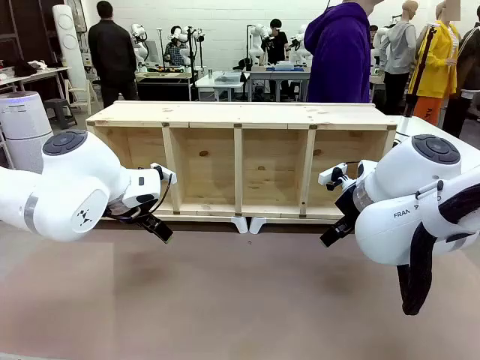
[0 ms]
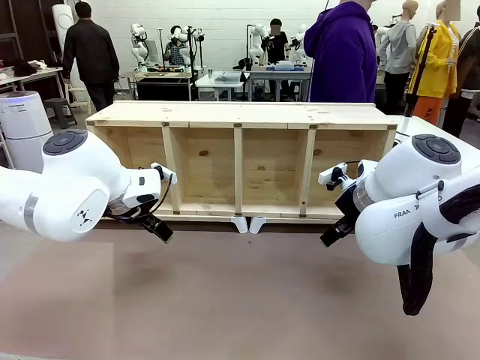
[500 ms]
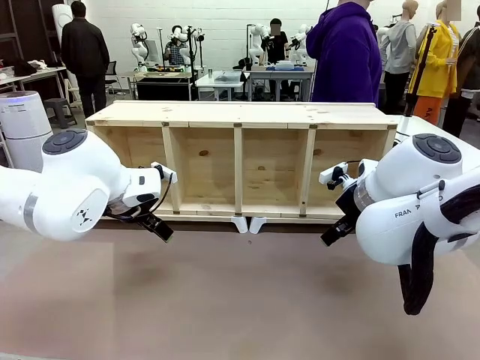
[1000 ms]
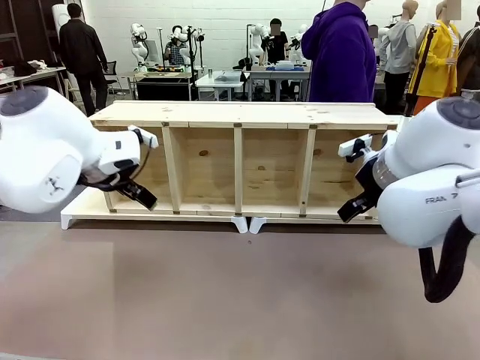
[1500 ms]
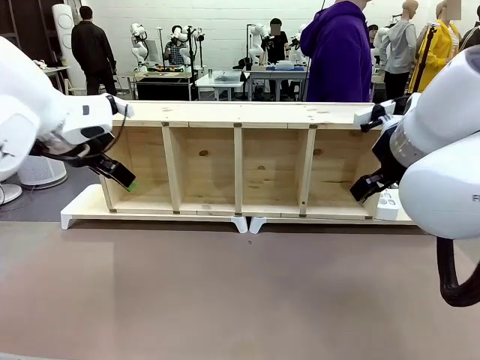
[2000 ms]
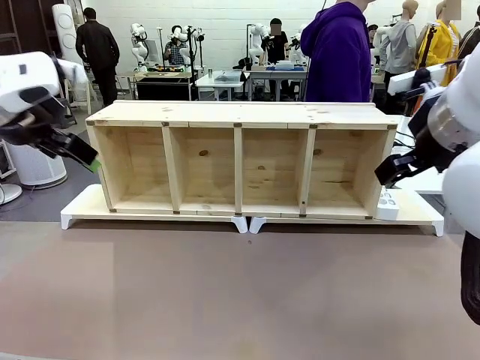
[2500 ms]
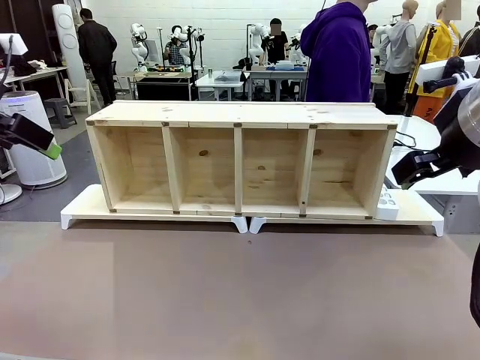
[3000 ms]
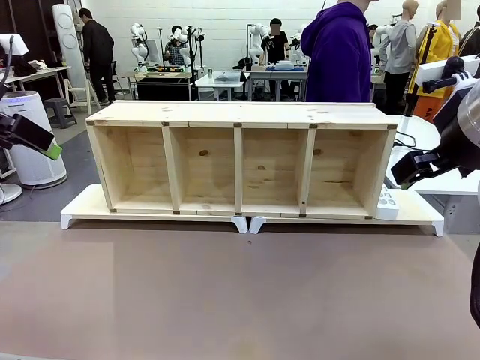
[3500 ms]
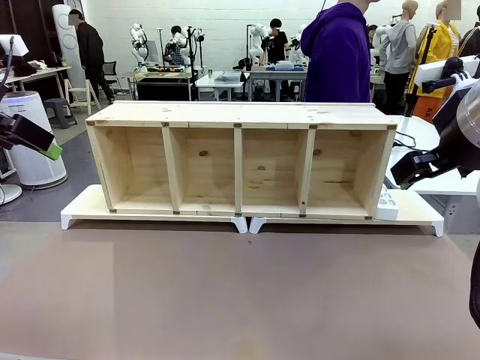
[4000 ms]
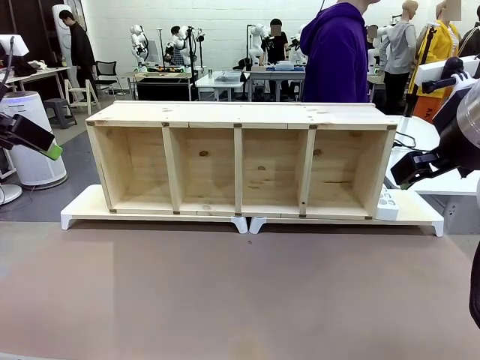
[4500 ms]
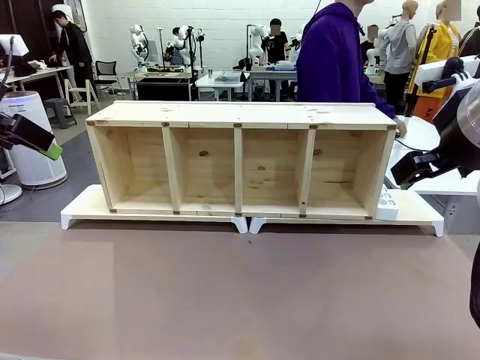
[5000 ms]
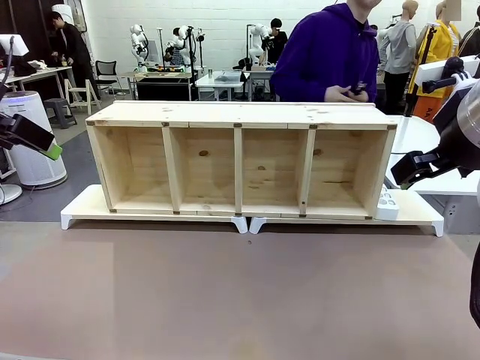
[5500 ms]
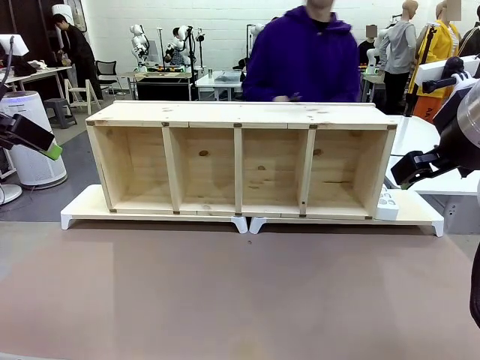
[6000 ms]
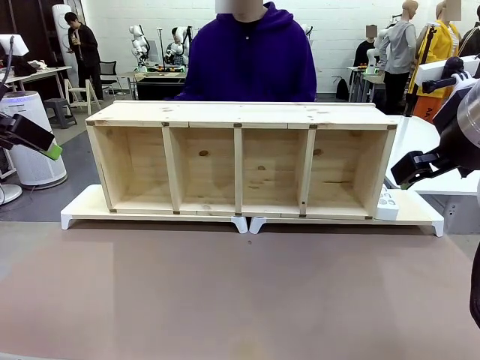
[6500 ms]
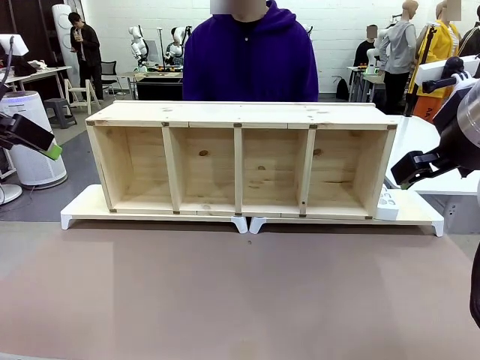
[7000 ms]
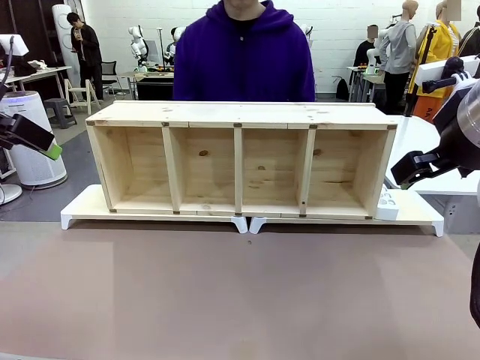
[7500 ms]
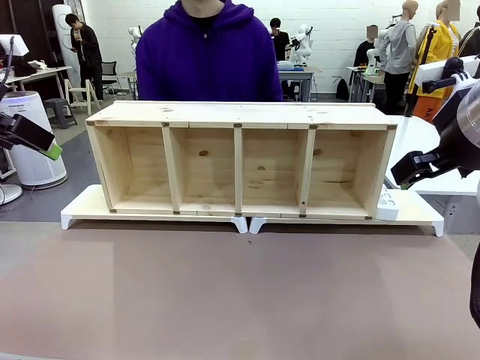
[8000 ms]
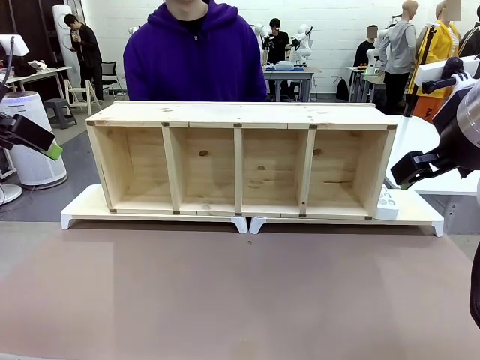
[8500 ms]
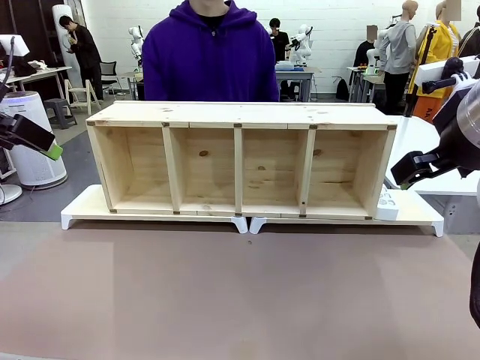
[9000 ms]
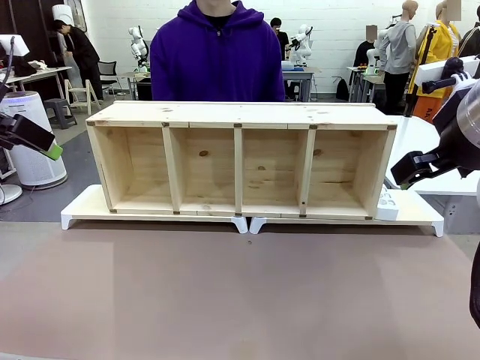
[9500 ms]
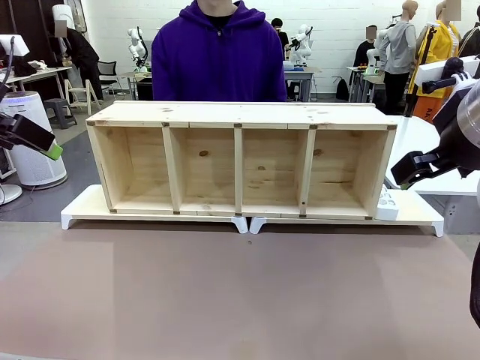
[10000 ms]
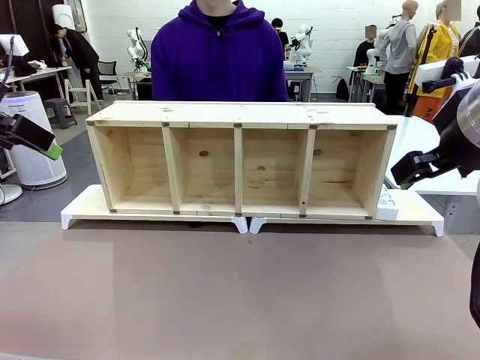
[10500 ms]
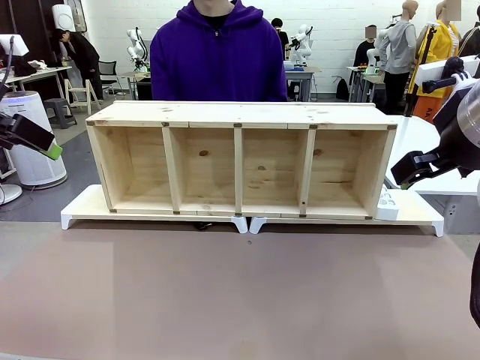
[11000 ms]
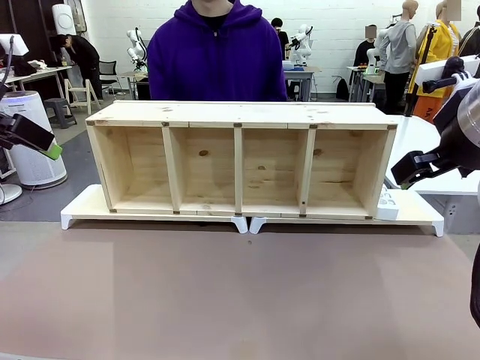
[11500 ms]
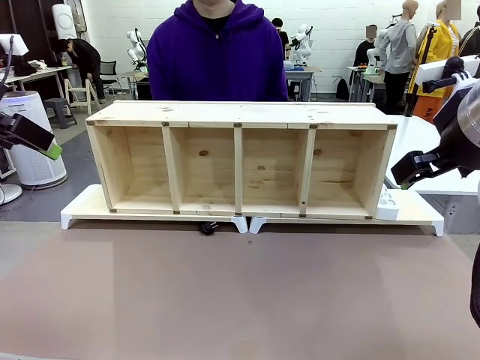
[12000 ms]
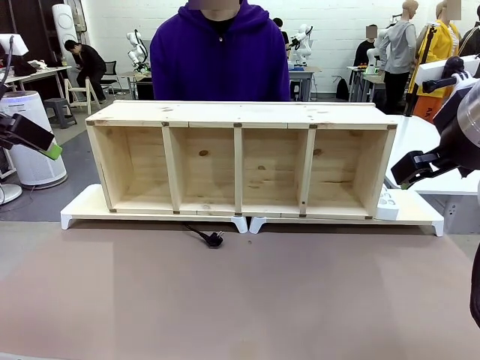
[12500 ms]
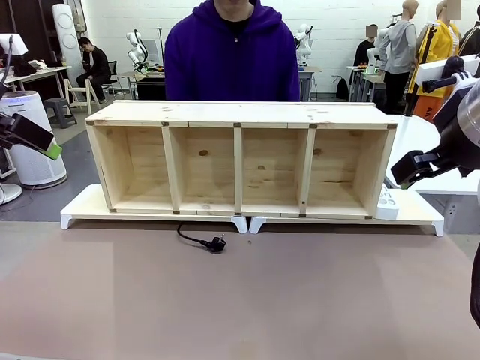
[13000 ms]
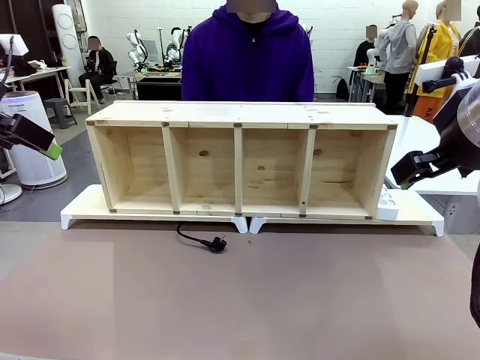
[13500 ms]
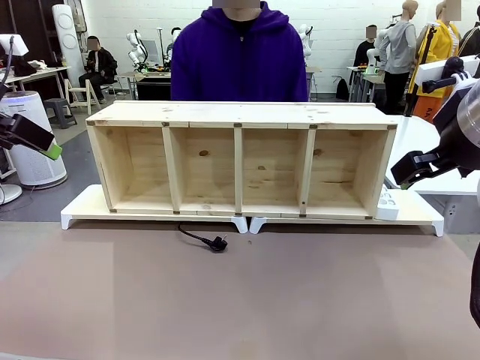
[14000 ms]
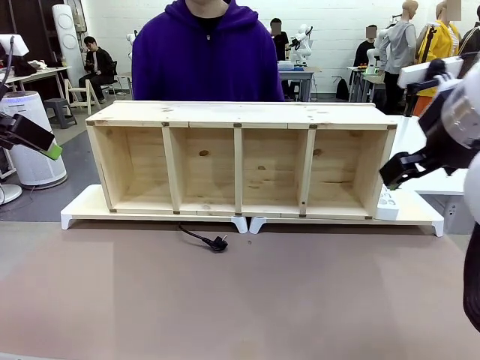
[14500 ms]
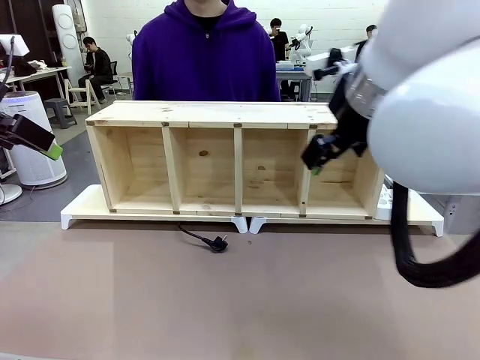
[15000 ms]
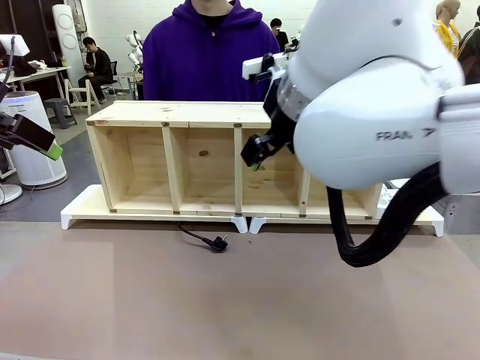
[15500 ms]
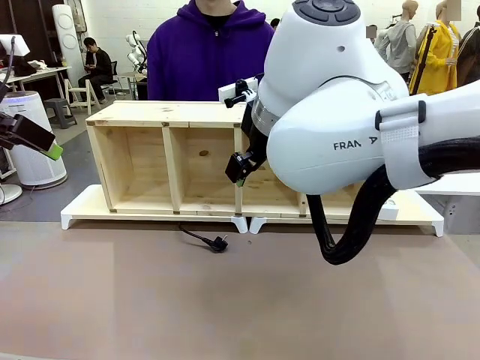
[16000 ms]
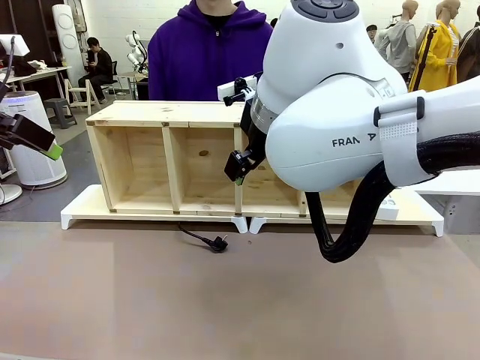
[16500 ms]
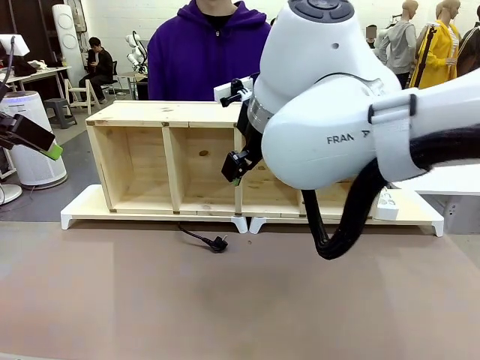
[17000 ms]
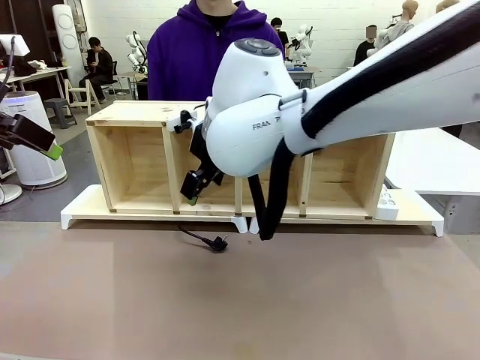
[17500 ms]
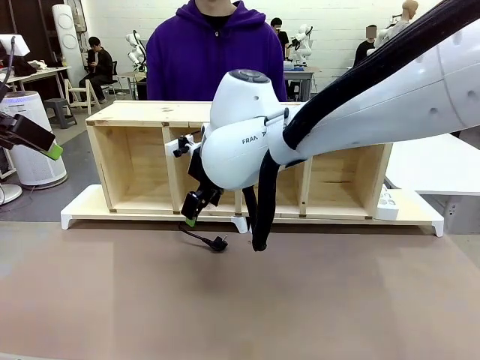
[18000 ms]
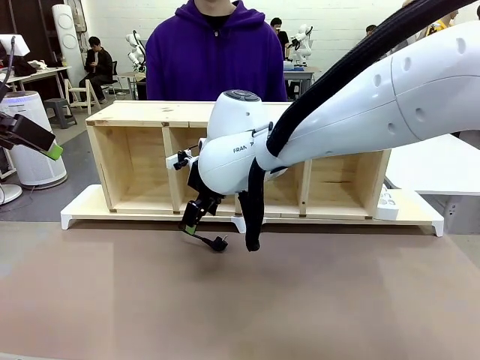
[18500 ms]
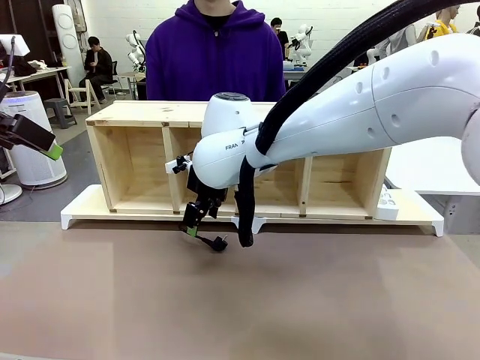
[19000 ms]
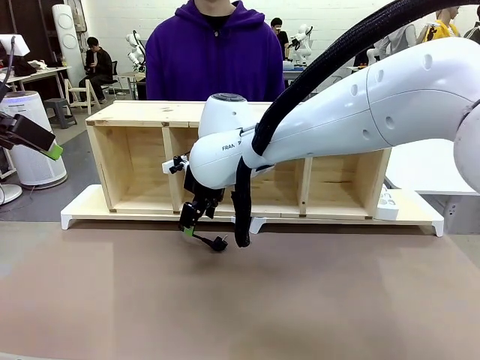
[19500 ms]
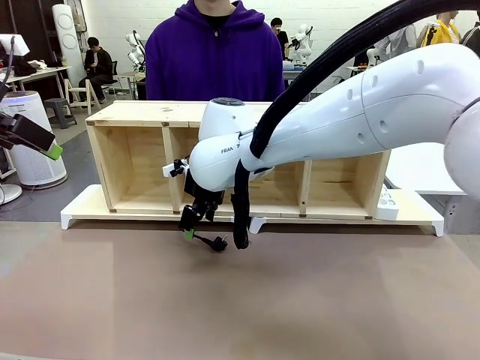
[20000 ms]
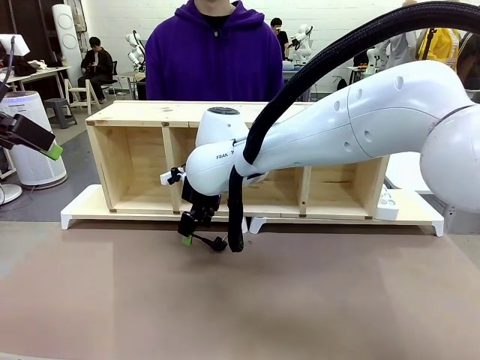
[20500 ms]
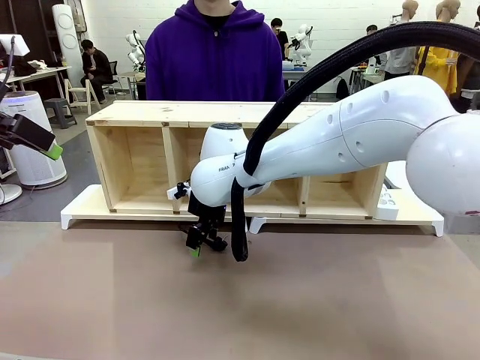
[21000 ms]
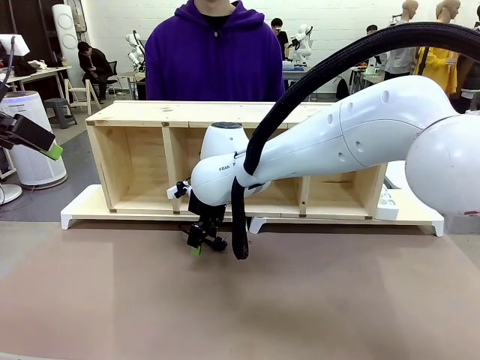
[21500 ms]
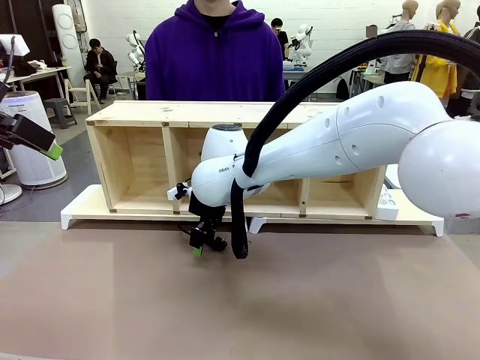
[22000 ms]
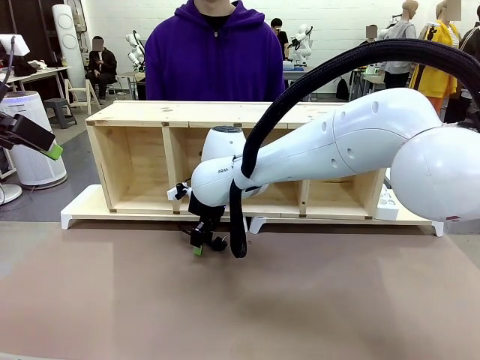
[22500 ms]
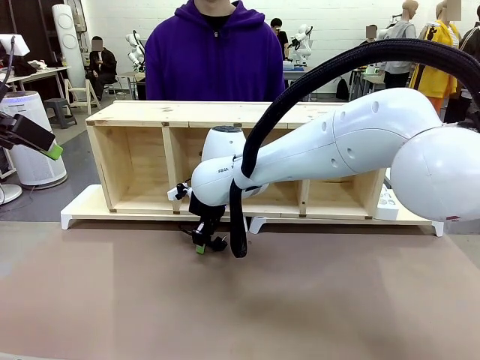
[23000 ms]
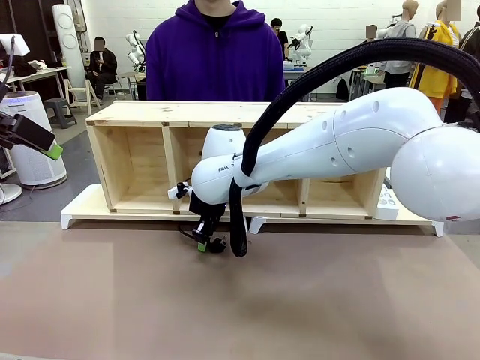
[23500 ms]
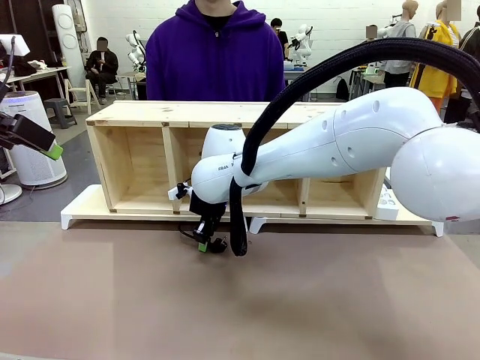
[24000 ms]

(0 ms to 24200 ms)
Task: Perform cable management.
Robot: When the cord part of the Power Cable appears at the lower middle area of the table and stops, grasp the cord part of the Power Cable.
Person: Pass the Power Cable under the Serving Table.
